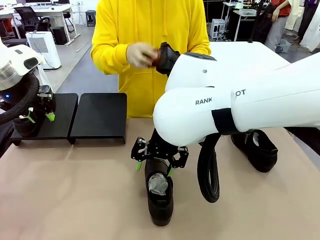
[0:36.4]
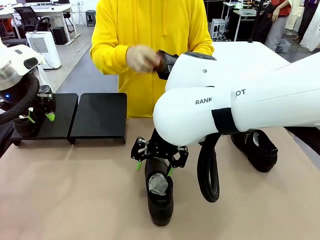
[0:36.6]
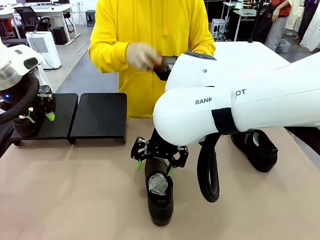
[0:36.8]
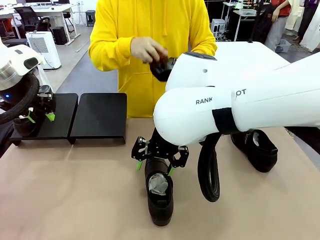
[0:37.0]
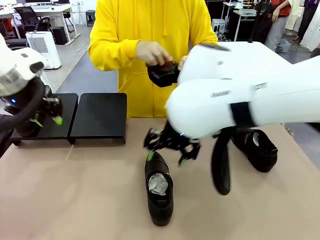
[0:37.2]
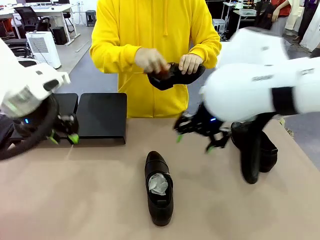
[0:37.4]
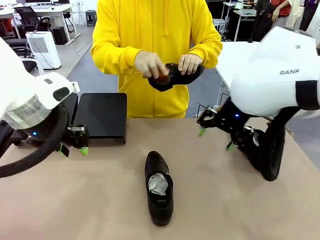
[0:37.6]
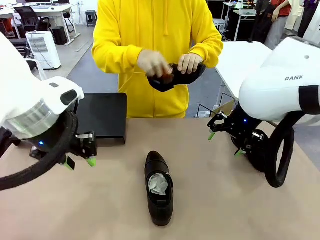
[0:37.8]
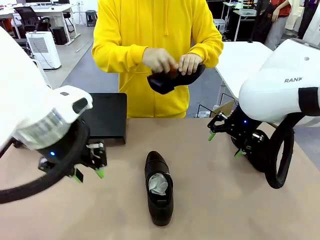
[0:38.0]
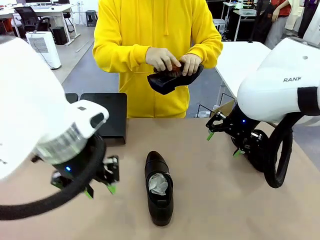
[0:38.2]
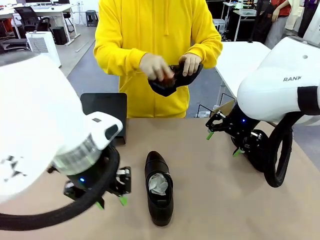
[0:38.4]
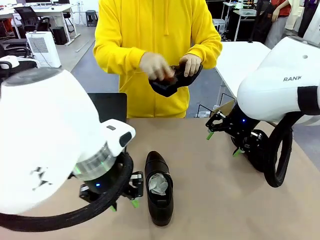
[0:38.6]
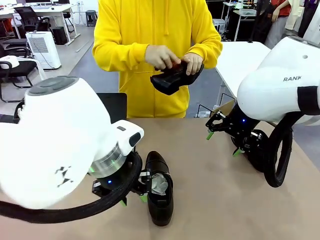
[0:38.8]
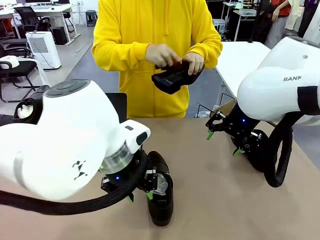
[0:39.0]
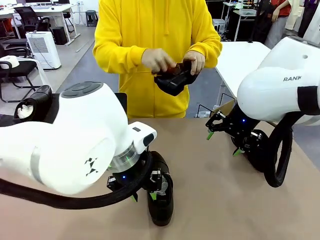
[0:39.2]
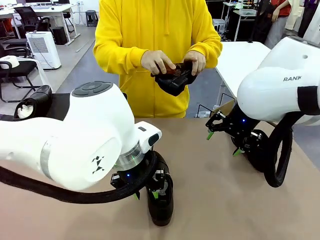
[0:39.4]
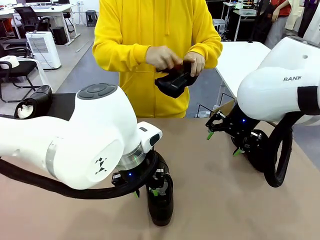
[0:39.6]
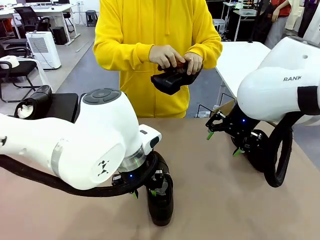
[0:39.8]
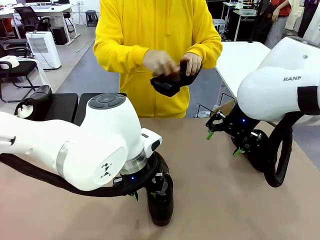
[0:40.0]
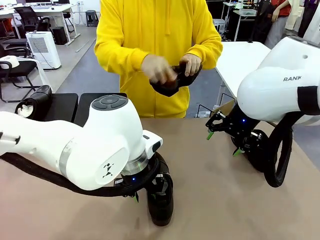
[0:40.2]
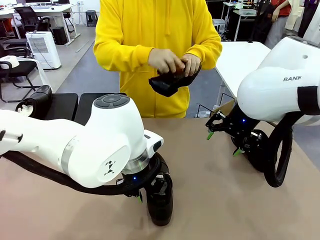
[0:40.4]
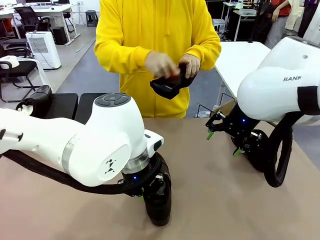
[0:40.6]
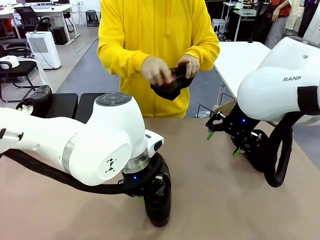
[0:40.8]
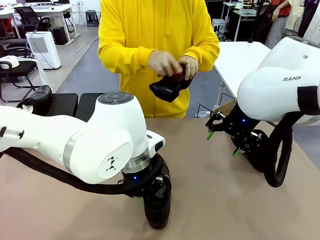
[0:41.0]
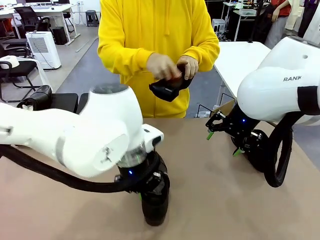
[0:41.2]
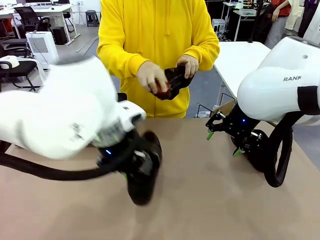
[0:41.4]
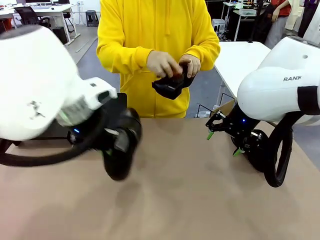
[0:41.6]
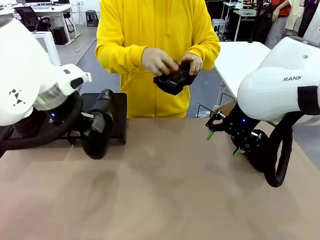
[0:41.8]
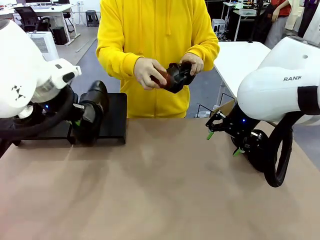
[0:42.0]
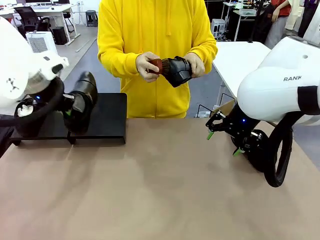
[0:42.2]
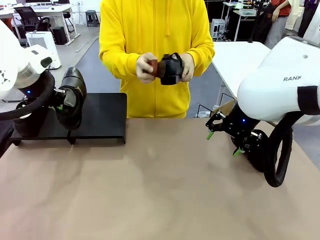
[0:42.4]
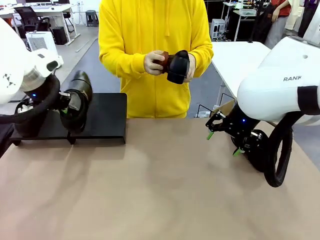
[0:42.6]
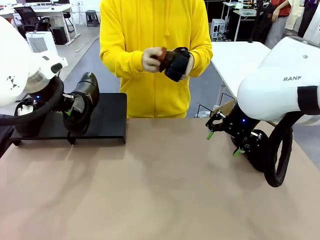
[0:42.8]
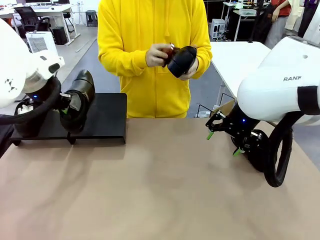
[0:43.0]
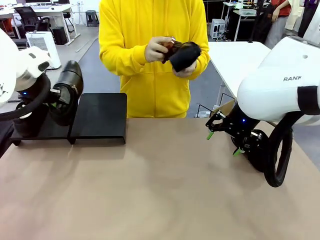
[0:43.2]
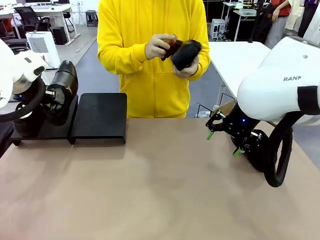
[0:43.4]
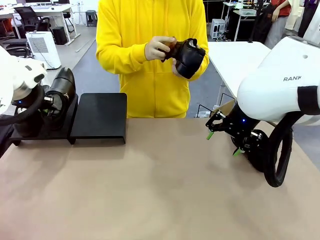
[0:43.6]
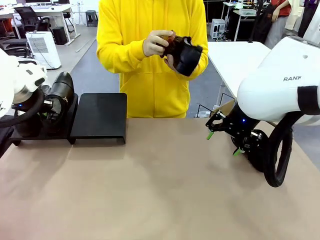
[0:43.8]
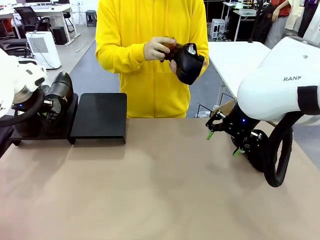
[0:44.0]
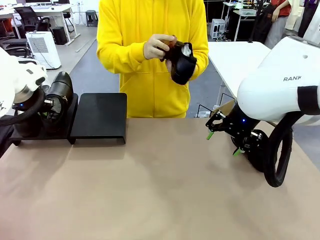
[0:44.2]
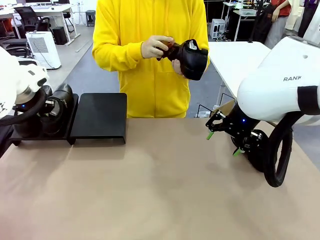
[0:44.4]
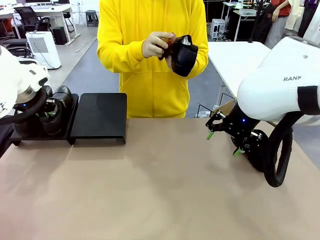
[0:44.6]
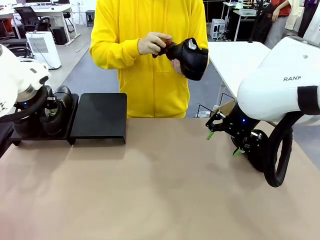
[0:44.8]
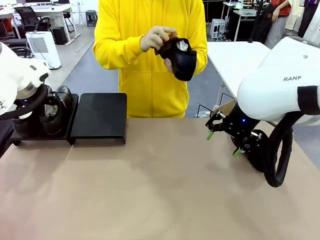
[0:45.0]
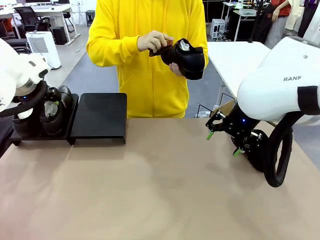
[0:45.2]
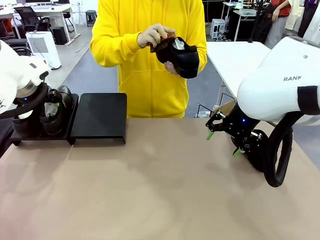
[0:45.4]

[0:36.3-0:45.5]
Task: Organize the shoes by placing them on the stand.
Robot: Place the Shoe from the middle of the table onto the Shoes Stand.

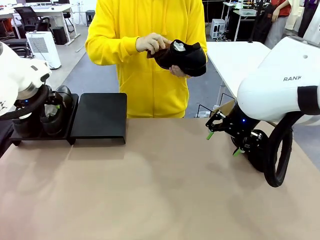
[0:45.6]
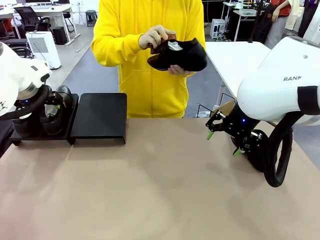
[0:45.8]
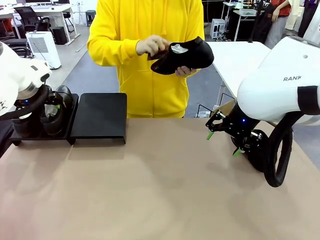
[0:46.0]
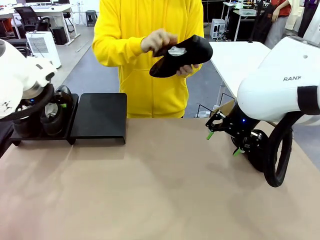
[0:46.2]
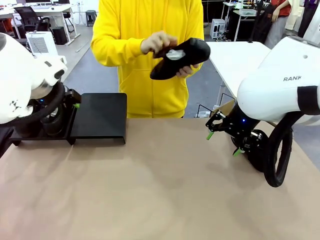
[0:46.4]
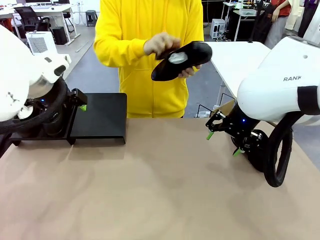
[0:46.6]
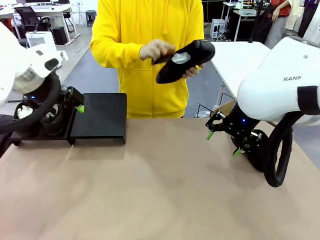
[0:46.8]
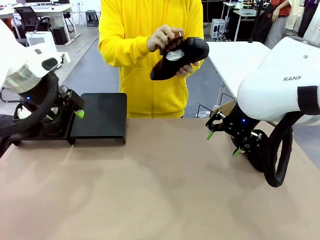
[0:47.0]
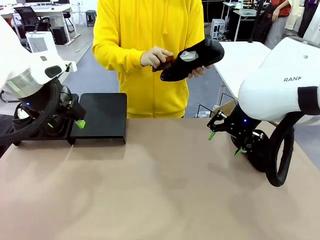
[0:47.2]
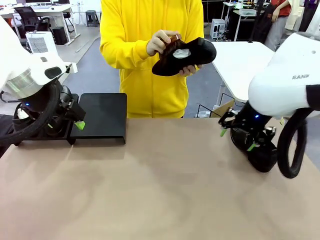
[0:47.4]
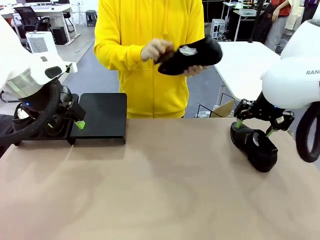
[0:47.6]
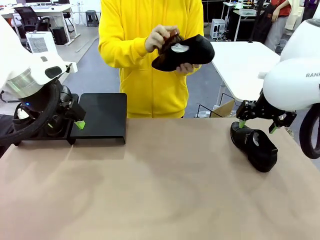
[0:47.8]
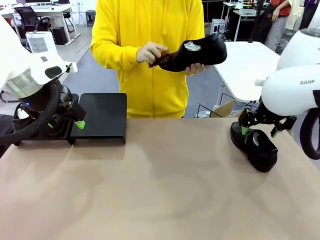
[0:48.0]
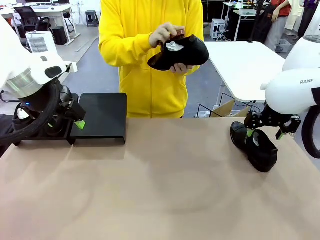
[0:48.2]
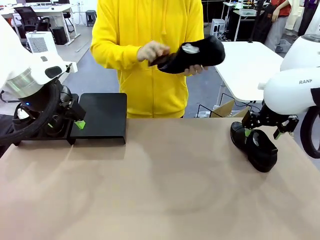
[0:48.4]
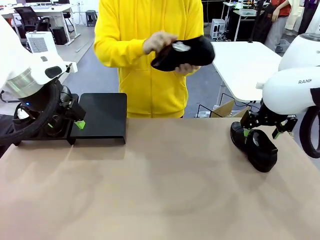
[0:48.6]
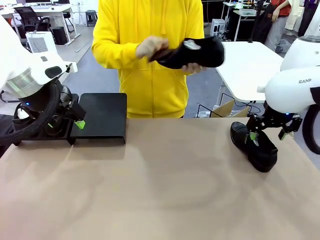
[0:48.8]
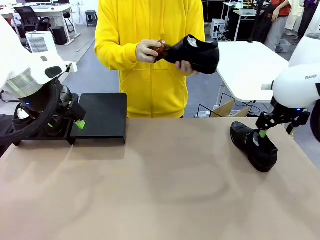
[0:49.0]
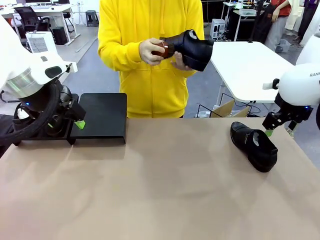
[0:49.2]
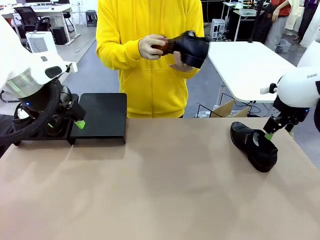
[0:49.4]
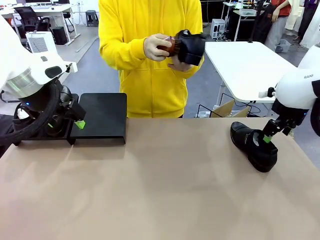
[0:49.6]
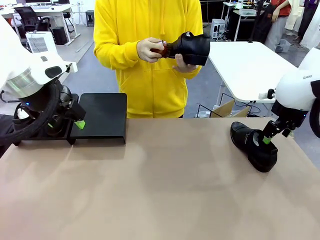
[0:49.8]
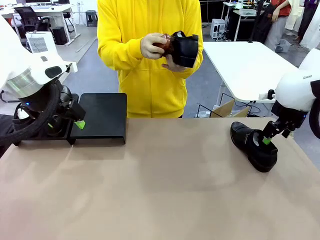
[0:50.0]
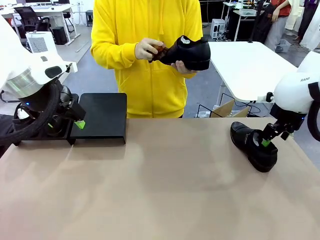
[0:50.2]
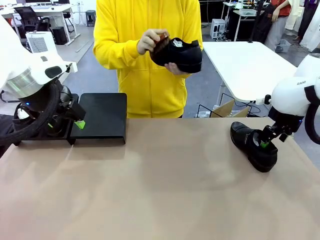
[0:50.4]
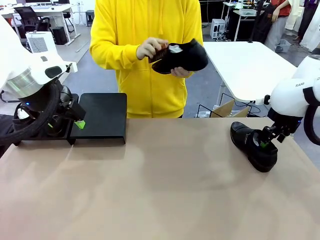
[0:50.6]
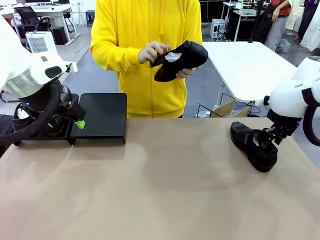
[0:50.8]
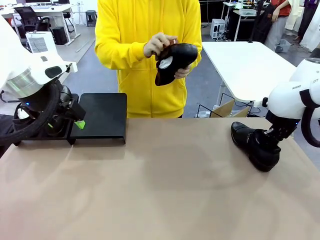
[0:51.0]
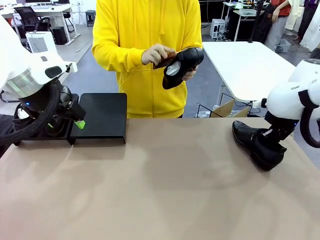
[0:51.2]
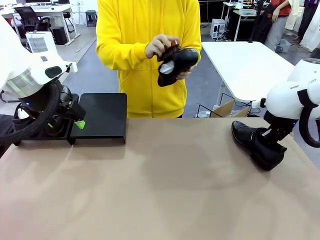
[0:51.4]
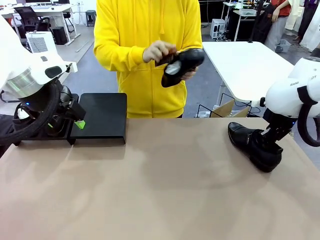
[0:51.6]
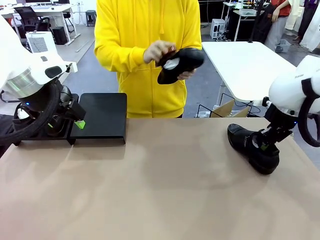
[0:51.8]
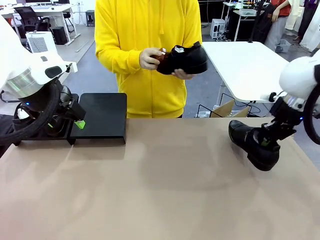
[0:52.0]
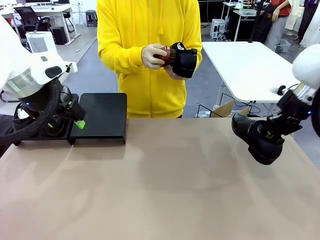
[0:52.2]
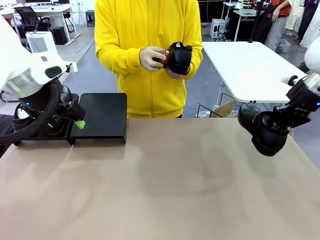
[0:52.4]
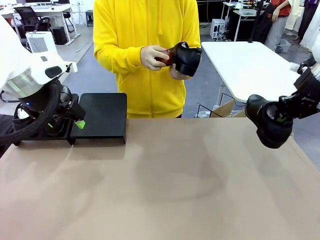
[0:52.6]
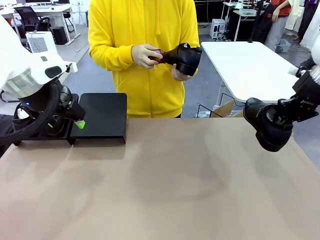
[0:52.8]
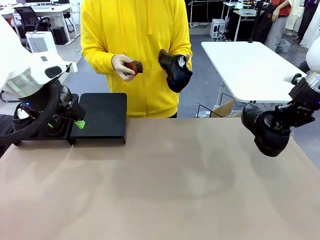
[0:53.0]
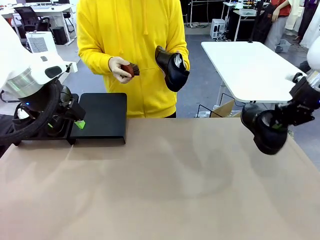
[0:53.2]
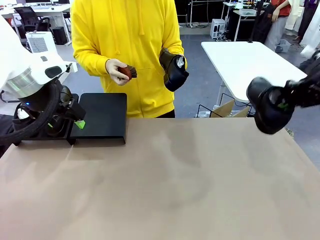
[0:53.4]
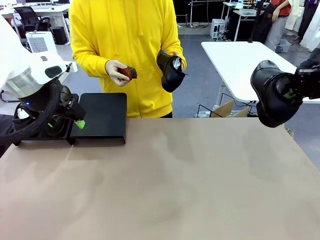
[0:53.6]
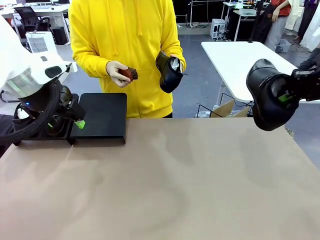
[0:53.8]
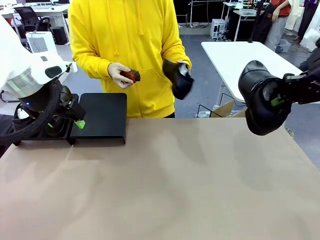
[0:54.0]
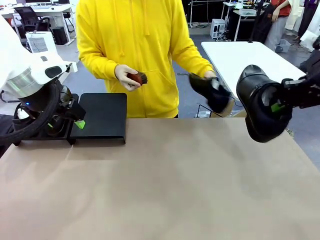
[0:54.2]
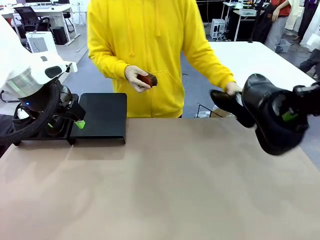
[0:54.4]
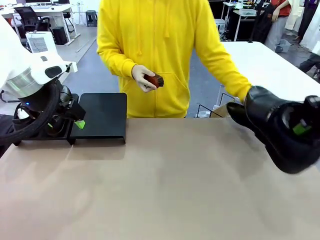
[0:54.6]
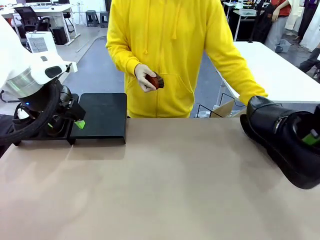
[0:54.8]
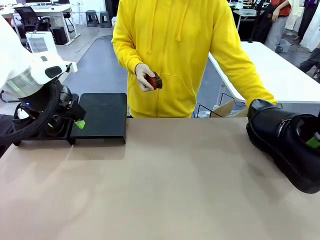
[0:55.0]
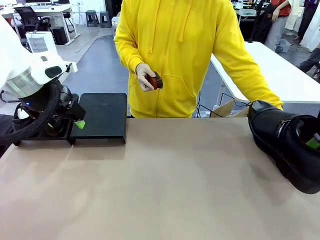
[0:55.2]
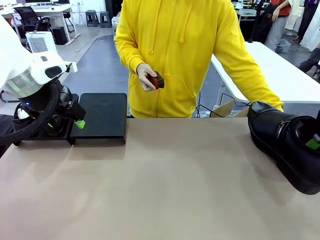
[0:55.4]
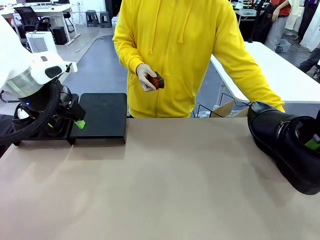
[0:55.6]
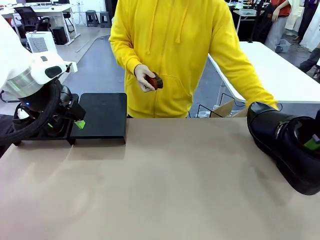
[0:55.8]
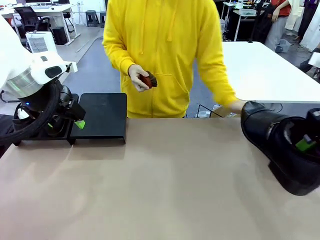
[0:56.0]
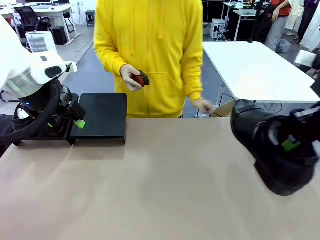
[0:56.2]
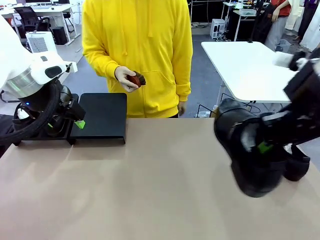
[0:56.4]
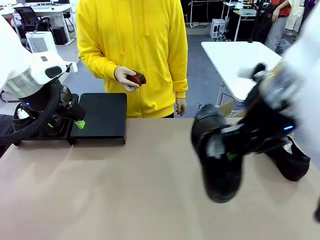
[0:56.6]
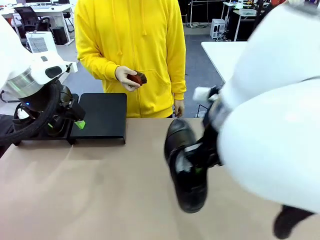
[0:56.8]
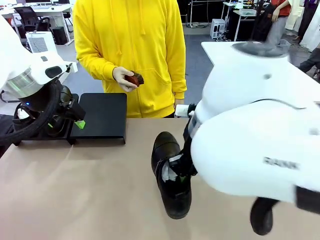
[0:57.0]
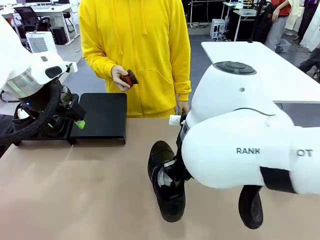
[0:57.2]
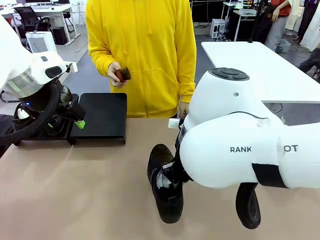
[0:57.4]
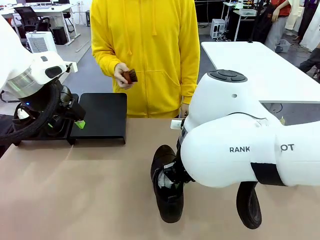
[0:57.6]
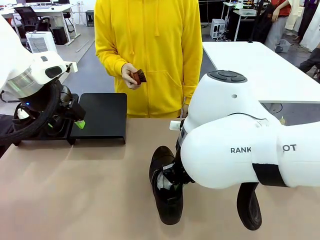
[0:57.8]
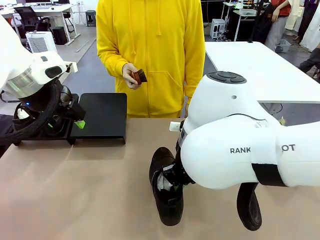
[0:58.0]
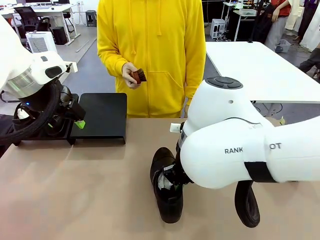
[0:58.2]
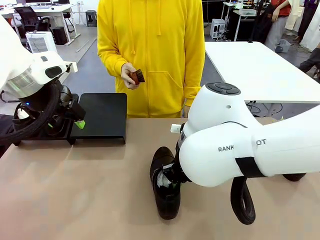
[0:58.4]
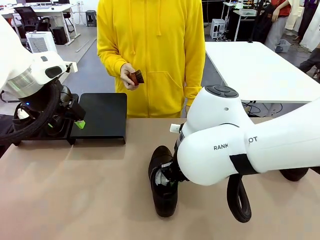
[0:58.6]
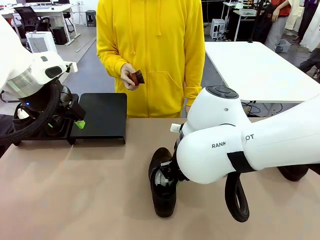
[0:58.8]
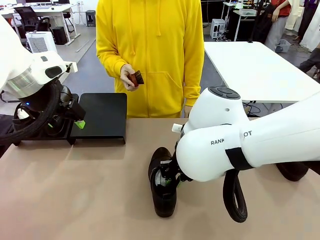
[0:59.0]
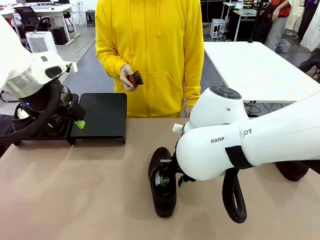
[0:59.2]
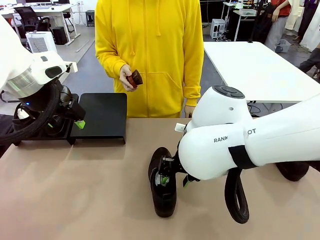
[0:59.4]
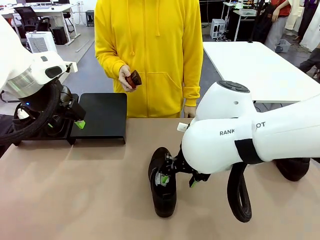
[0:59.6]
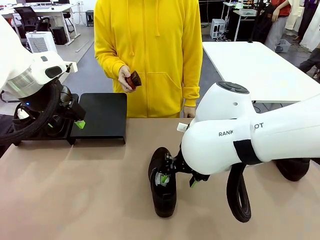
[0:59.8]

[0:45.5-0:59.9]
Robot: Pick up one Shoe and place it in the middle of the table.
